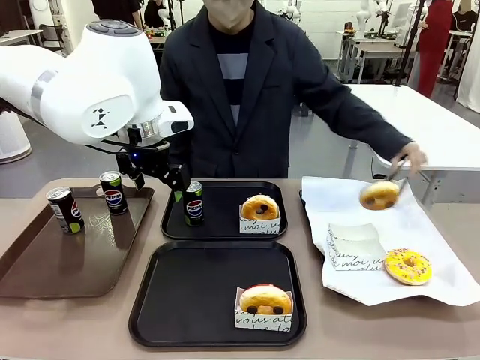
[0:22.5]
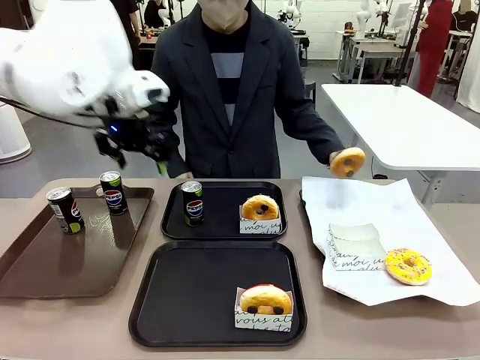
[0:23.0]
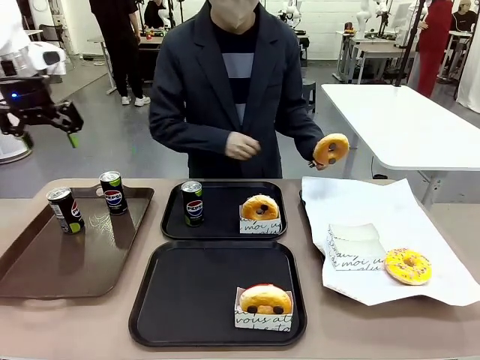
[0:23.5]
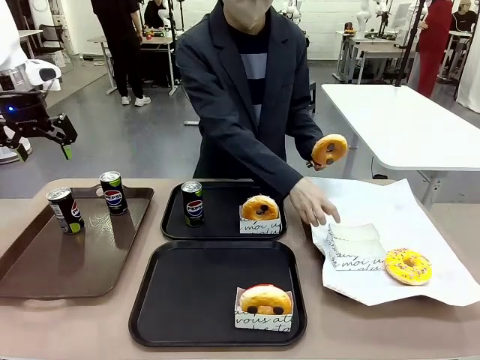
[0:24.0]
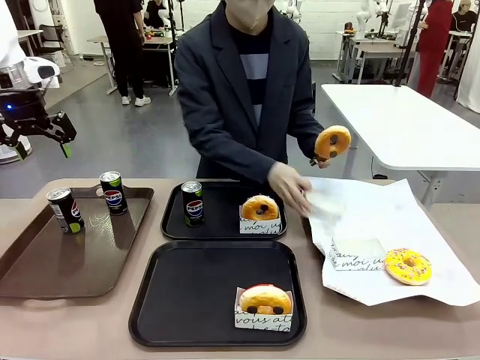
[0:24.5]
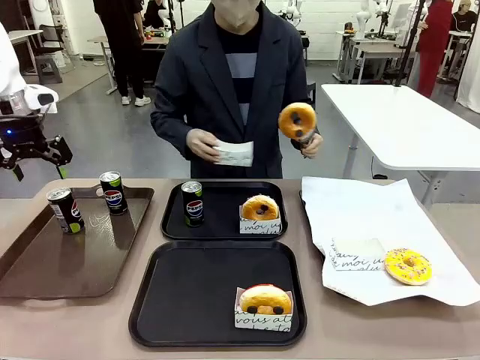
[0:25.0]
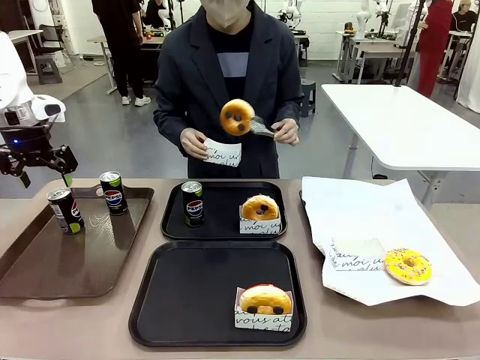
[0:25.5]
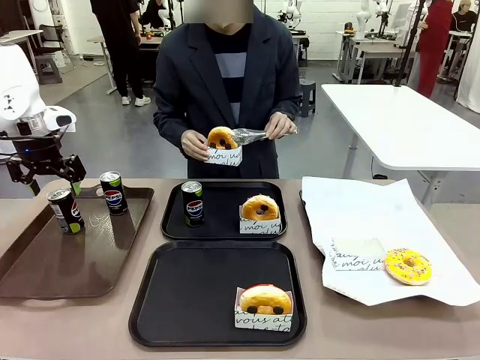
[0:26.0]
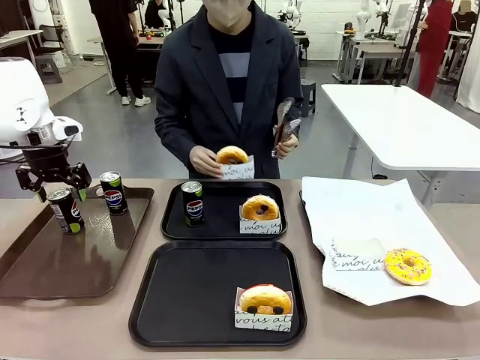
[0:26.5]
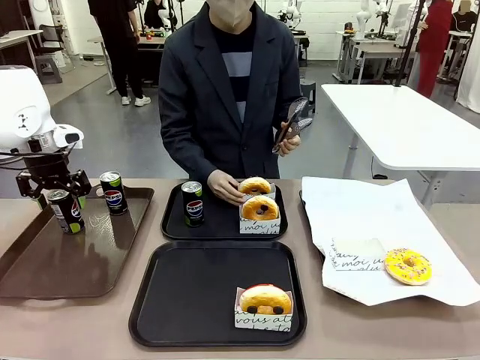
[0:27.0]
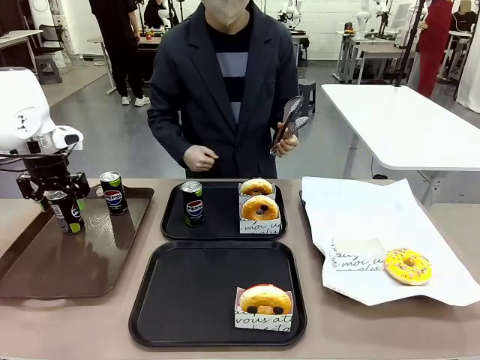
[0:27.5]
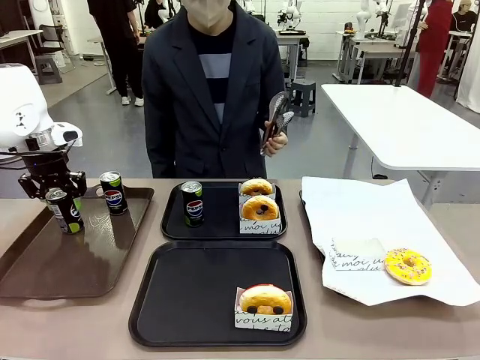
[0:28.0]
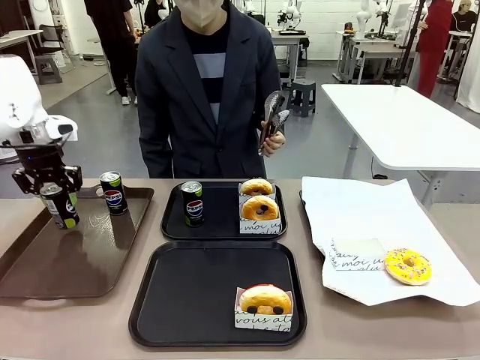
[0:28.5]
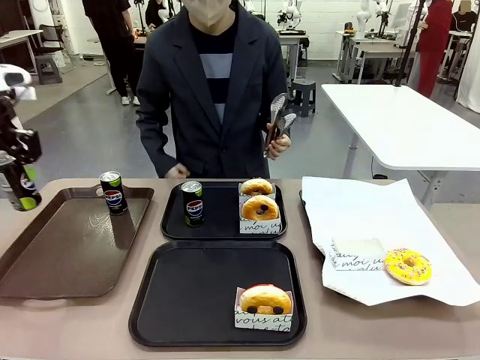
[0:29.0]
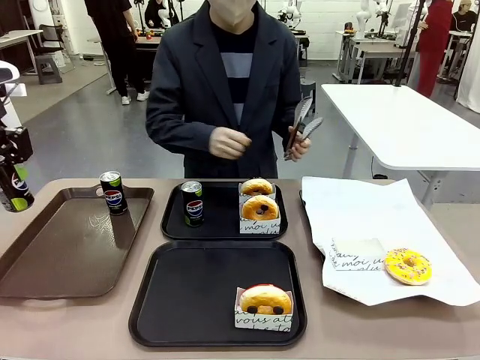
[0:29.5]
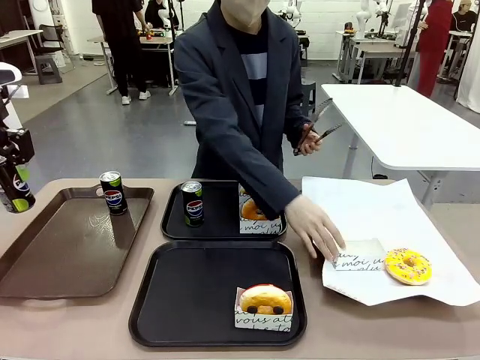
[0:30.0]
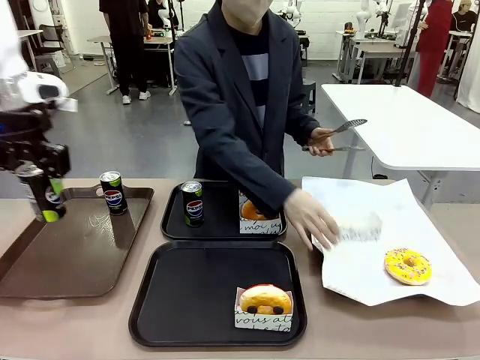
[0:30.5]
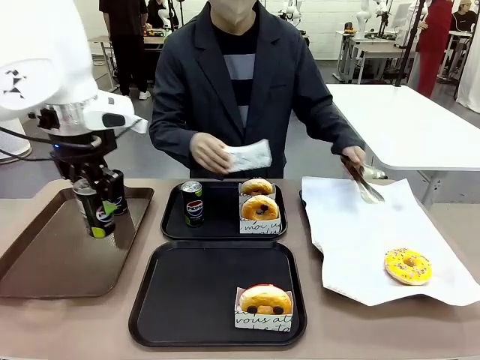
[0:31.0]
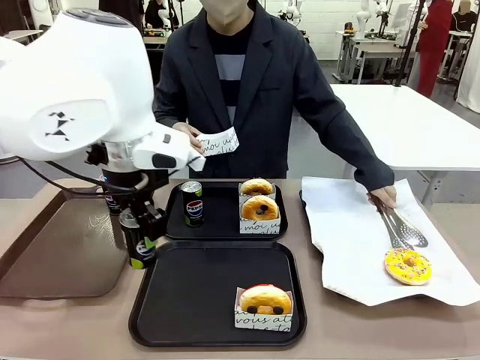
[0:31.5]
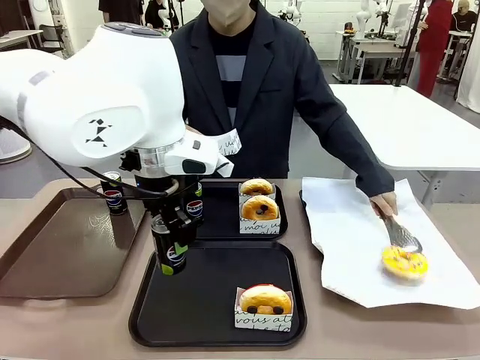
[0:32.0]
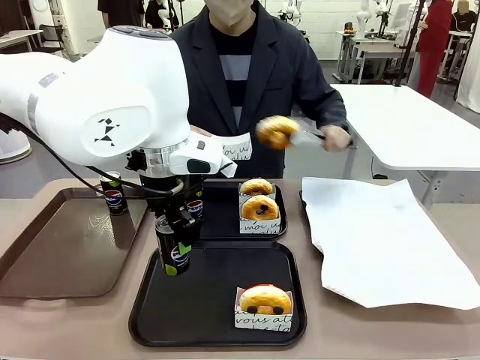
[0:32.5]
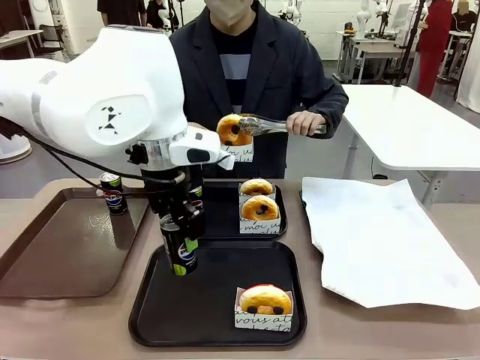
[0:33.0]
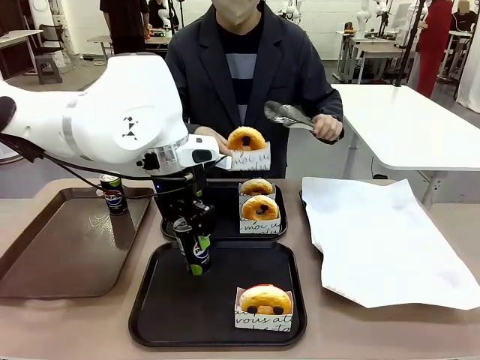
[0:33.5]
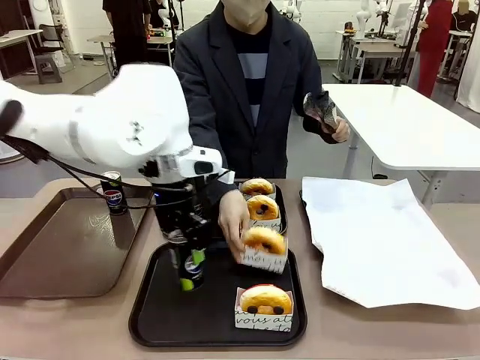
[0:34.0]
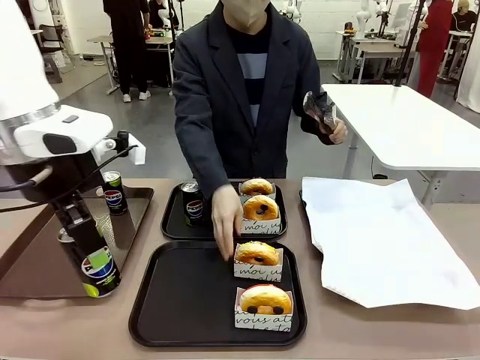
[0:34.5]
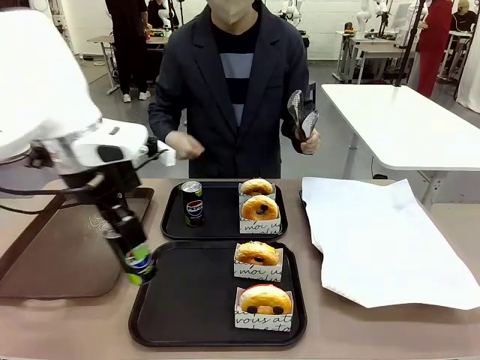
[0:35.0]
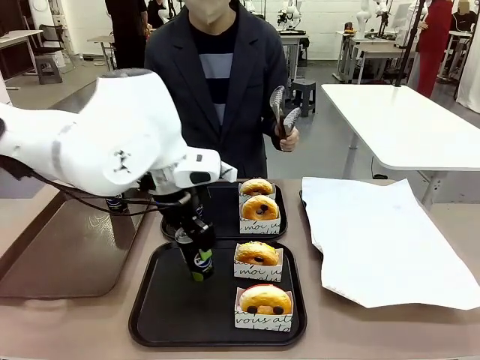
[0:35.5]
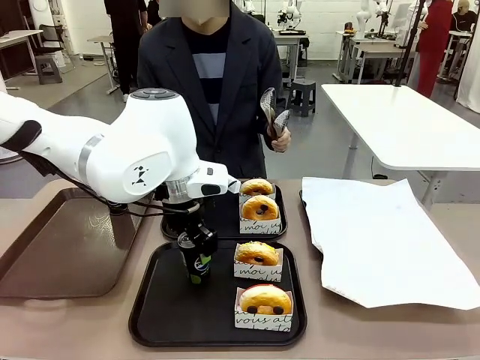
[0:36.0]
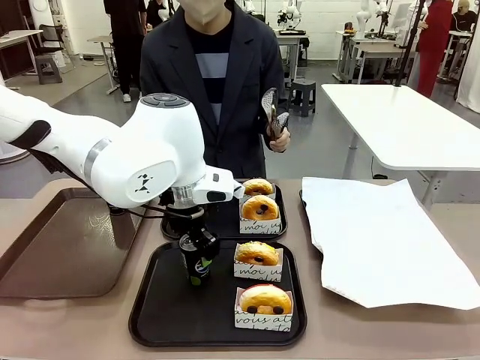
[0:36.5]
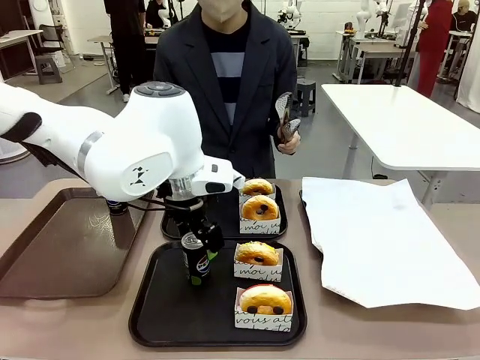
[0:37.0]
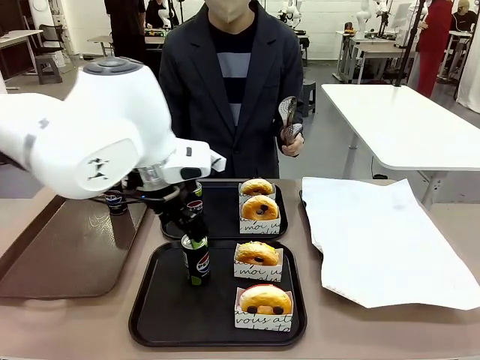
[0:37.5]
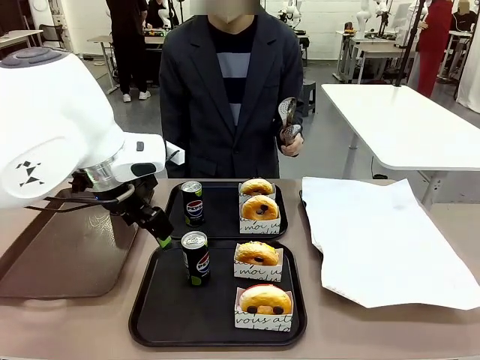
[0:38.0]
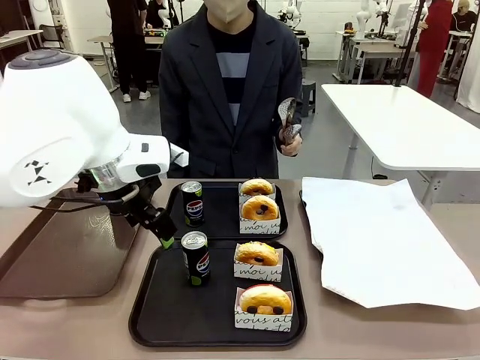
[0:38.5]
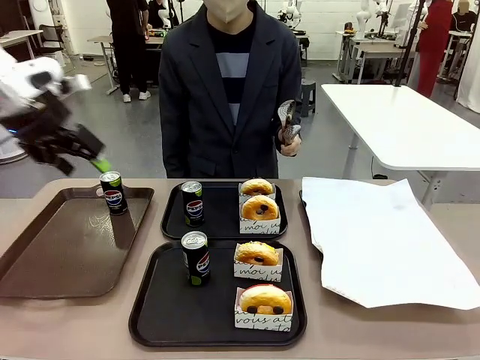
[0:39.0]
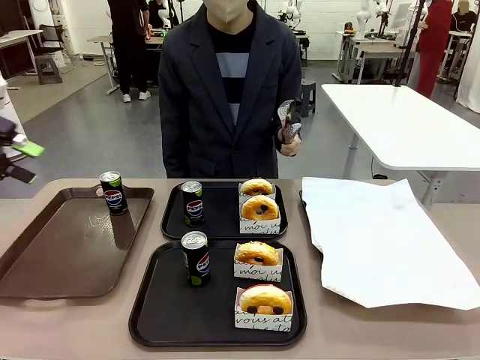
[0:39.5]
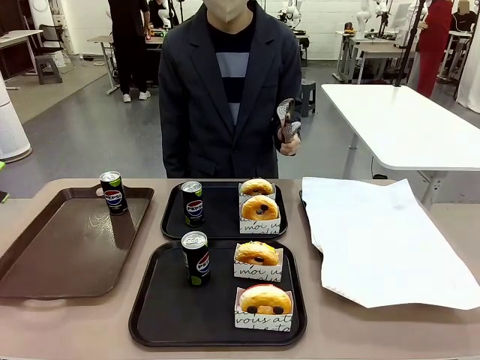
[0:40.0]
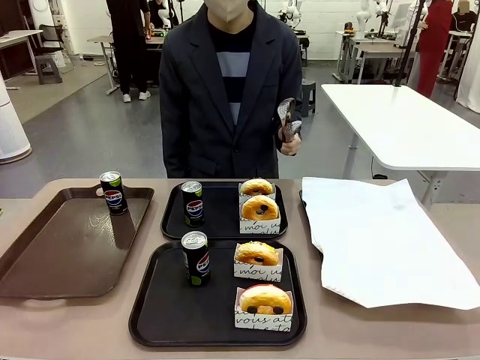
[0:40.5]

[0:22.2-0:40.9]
Task: Set up donuts and drinks on trays.
Robot: Pick up one Pepsi coke from the Handle tray and place it on the Flat Tray without a Pepsi coke.
